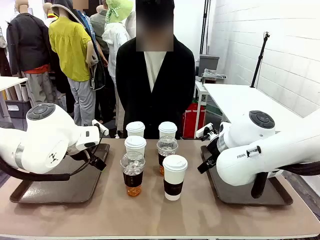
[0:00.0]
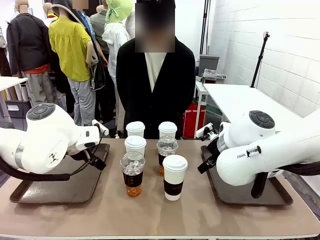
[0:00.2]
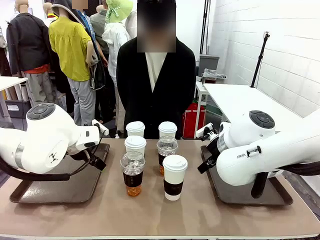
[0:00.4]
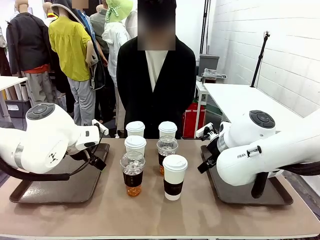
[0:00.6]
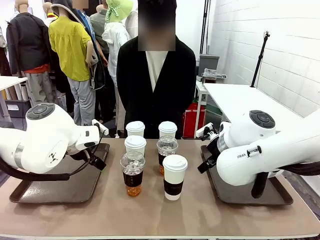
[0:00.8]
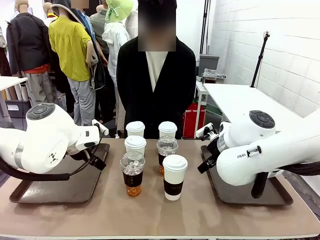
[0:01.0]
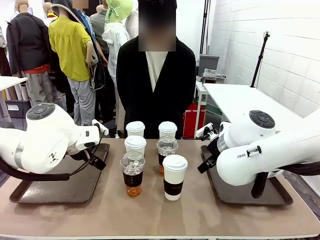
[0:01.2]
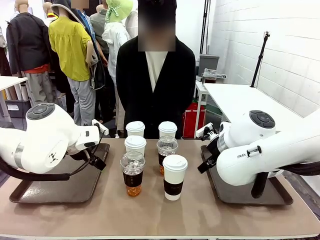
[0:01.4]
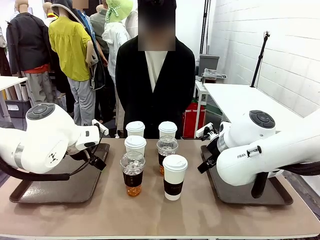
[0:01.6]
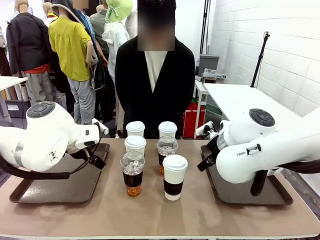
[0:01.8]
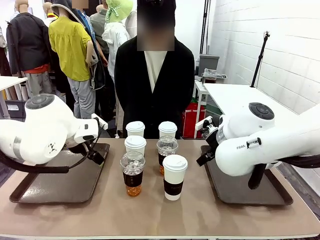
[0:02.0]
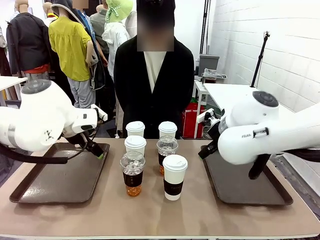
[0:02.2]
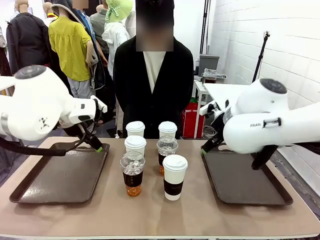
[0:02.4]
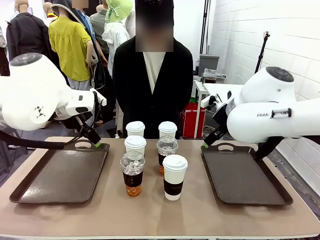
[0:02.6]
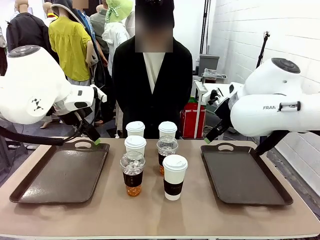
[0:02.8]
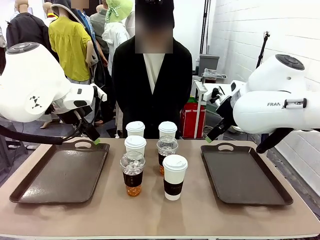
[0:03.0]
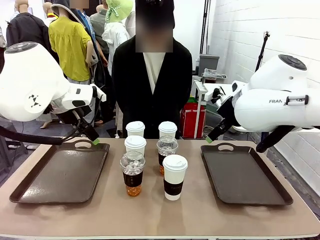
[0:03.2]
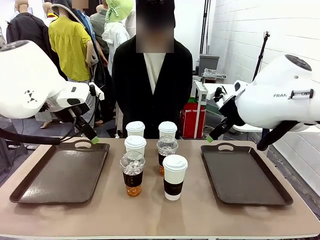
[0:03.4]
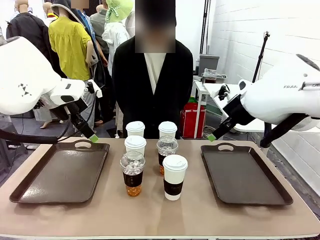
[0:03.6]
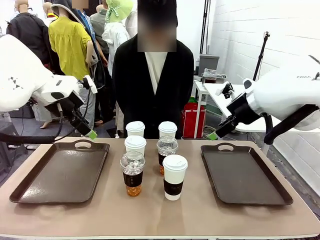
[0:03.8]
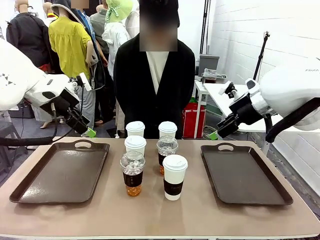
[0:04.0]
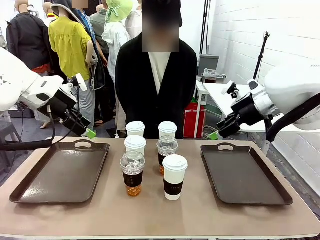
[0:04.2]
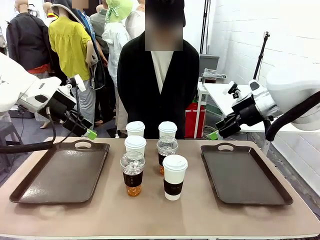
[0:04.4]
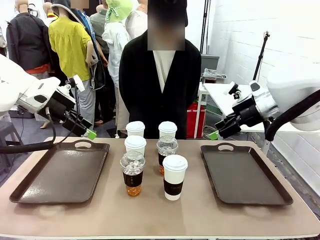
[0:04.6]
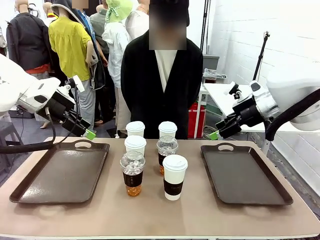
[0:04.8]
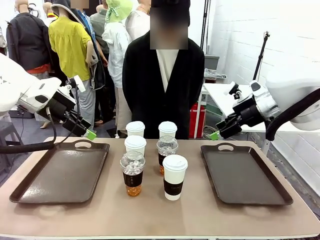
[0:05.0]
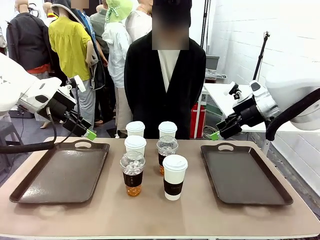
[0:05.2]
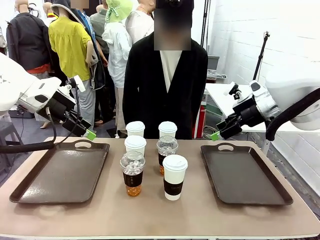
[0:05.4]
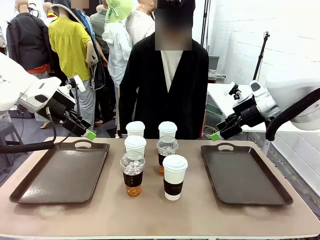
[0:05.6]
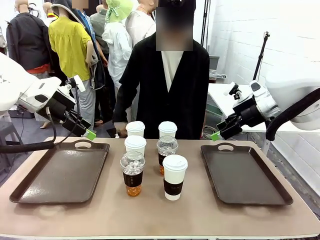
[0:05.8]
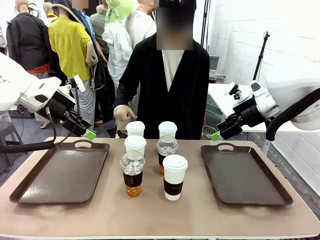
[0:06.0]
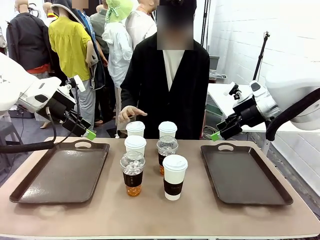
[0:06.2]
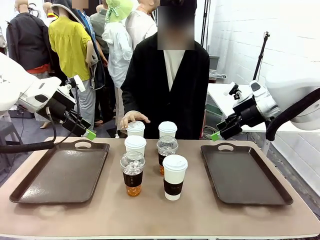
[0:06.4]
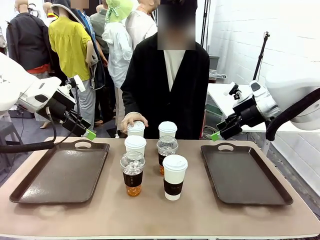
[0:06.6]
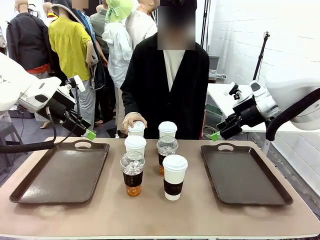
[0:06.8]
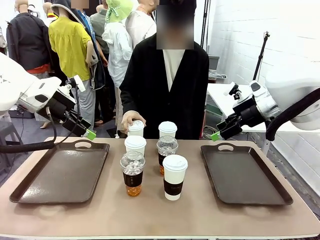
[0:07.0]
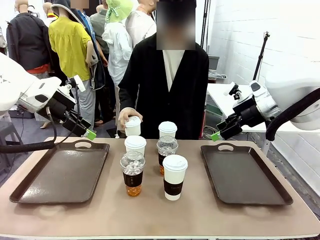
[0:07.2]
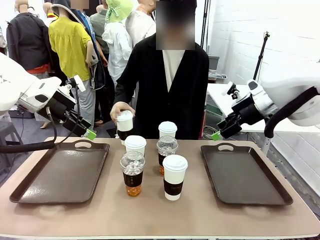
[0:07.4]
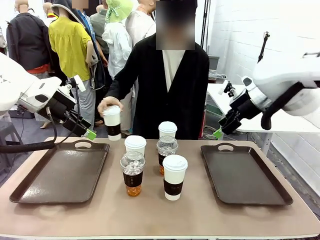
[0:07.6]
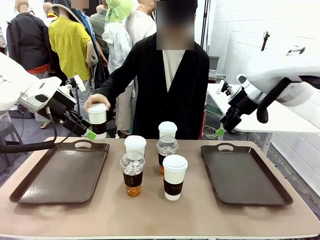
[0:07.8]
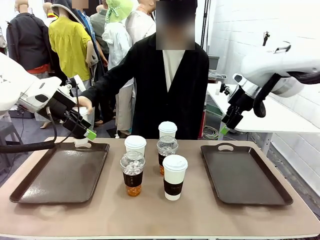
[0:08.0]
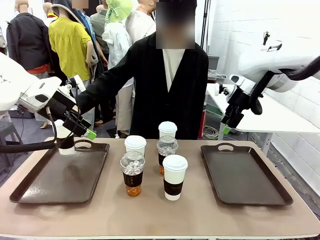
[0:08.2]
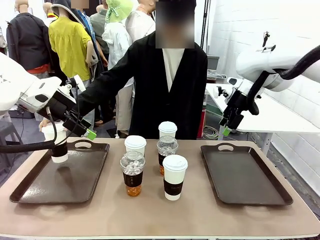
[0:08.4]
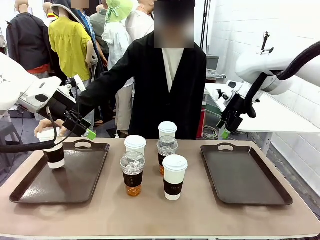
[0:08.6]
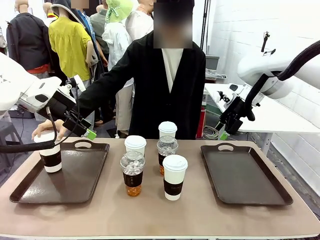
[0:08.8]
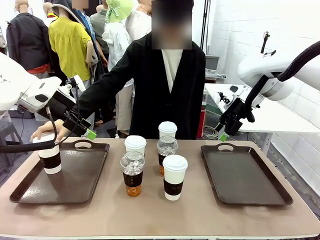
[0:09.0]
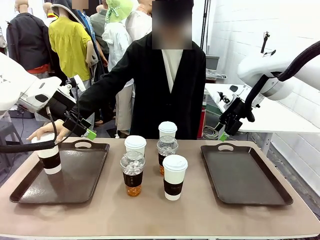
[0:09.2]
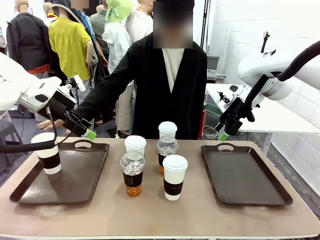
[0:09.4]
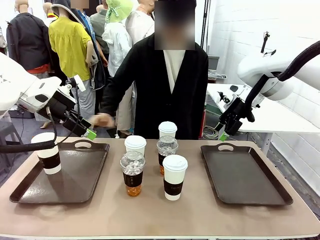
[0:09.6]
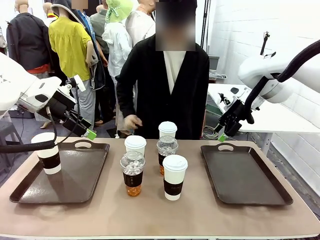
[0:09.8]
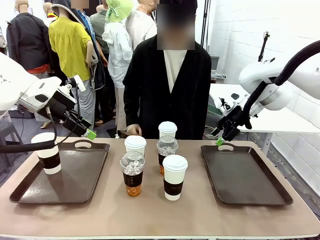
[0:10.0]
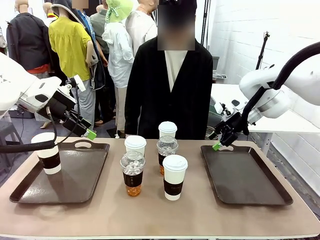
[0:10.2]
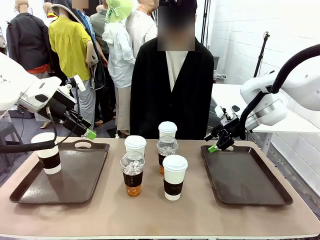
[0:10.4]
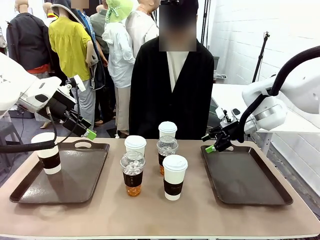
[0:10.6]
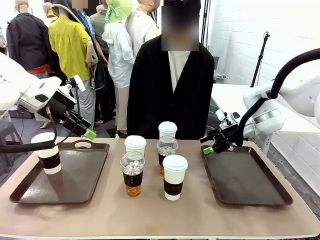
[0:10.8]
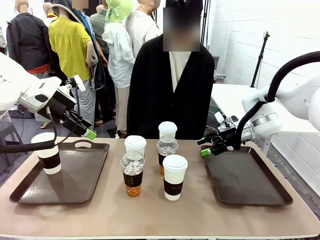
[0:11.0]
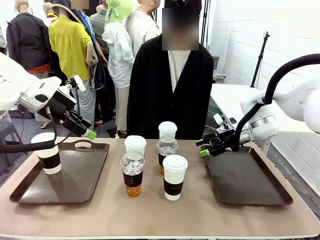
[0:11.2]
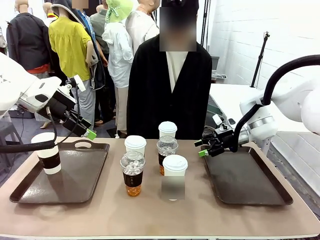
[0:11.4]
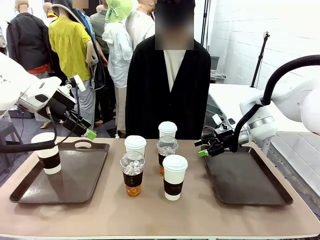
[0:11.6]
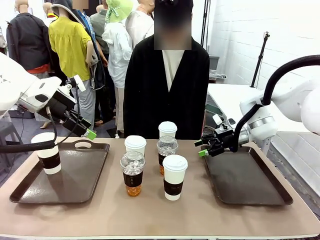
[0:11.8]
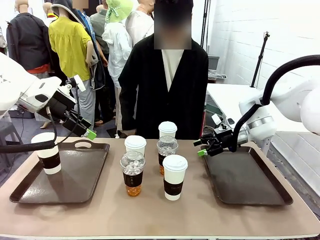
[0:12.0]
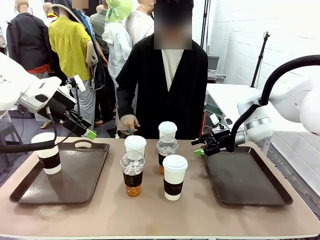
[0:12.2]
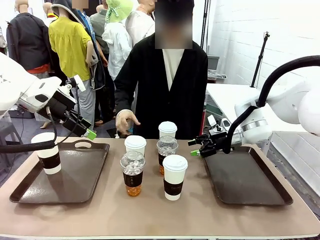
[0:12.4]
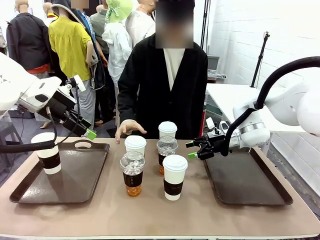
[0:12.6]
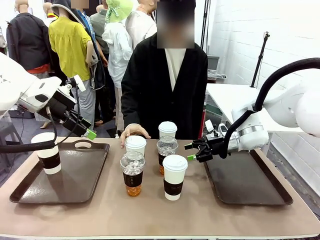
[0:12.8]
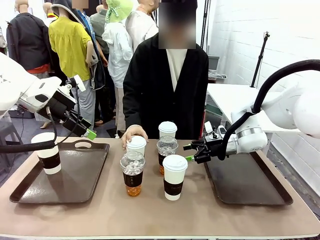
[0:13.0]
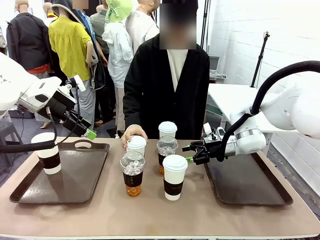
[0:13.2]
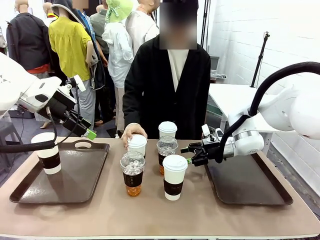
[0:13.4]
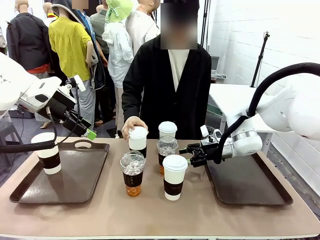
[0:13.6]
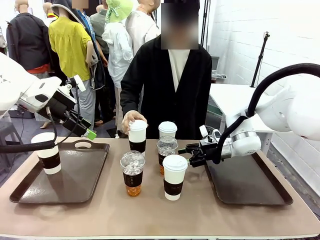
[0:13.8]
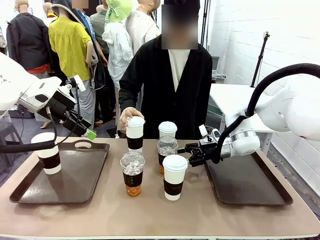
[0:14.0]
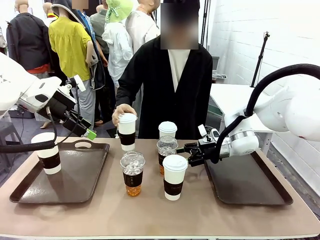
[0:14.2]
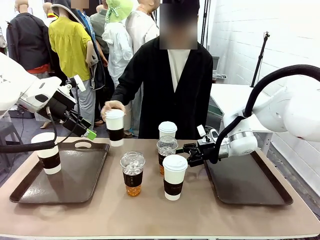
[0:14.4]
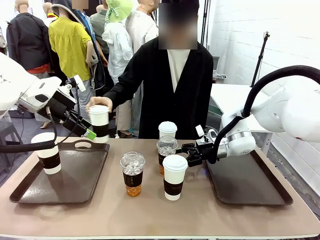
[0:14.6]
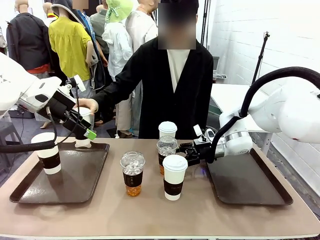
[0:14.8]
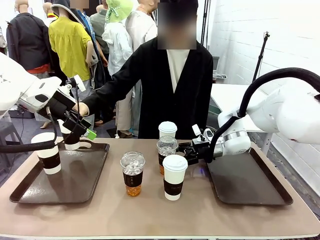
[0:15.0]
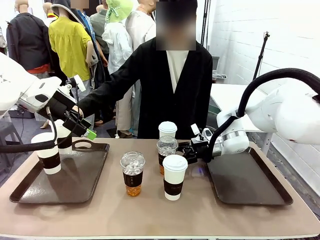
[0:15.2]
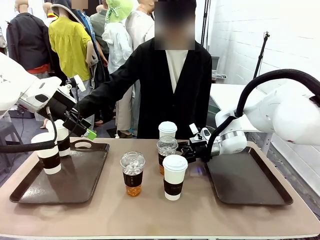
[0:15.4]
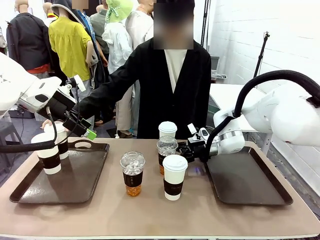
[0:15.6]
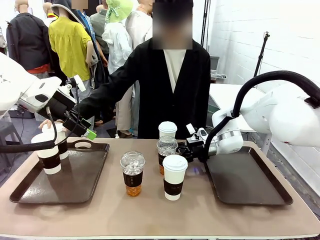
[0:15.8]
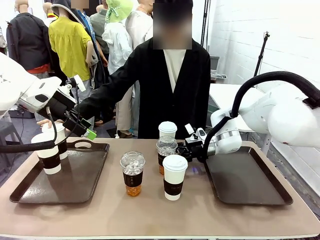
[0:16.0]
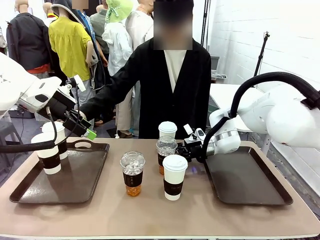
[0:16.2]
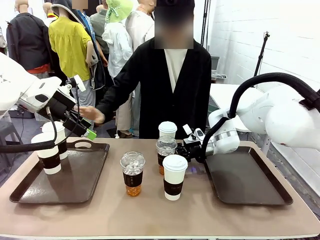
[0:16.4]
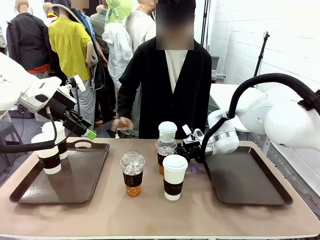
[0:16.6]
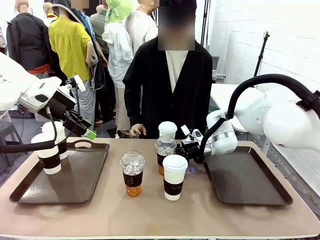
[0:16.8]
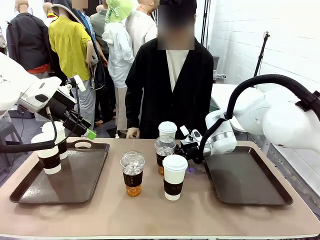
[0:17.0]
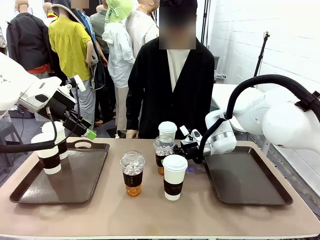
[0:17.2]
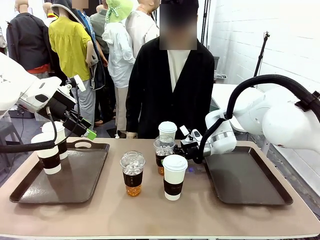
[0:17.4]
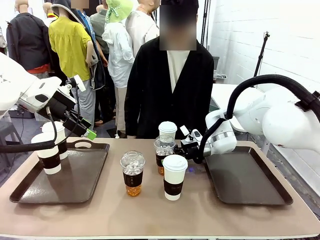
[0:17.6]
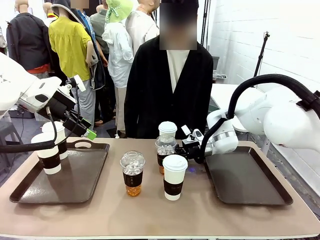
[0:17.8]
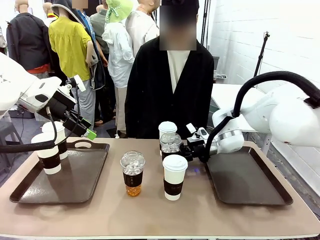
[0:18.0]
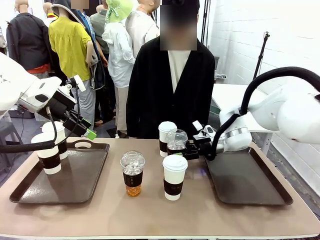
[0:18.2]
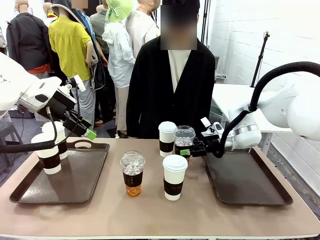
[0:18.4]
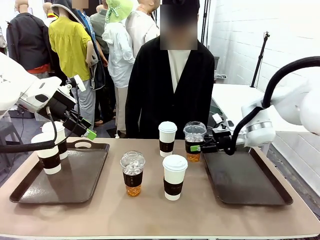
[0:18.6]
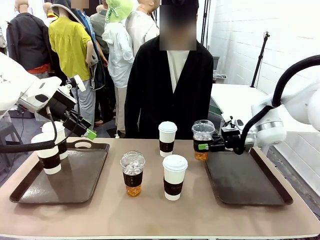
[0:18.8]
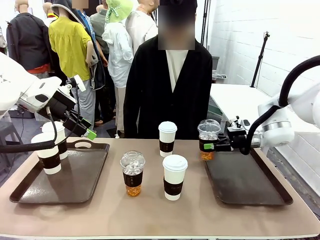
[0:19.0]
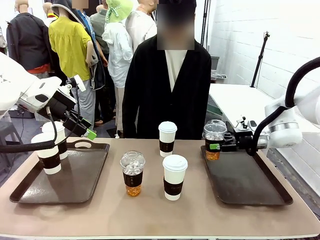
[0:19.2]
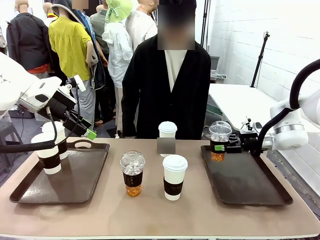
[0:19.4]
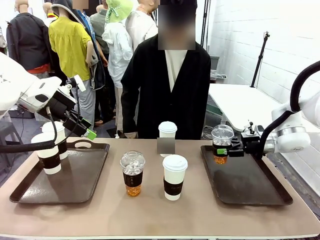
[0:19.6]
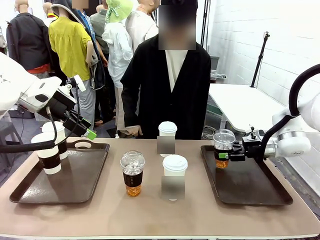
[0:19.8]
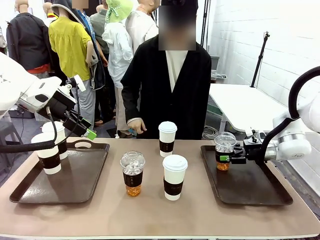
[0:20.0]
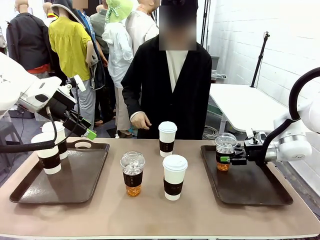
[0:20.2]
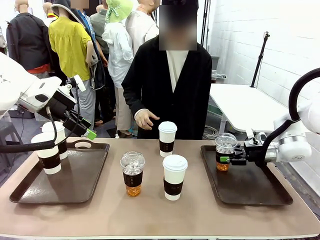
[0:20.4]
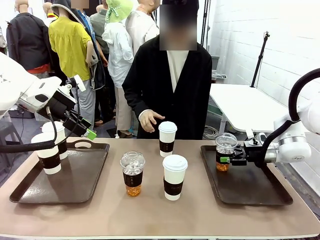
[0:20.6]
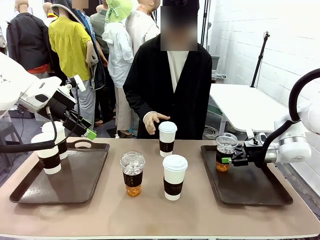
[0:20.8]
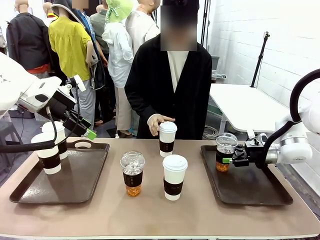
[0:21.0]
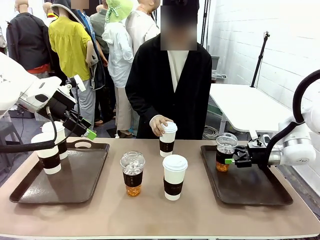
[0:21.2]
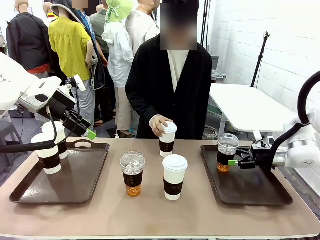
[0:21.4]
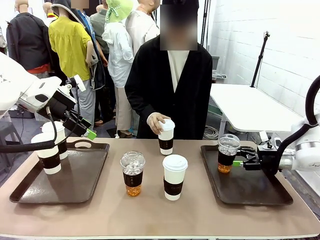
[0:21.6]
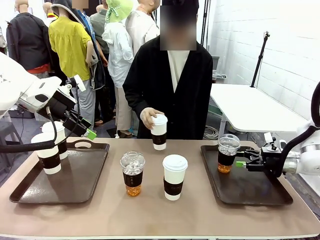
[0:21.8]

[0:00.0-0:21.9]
Task: Distribute the coffee onto the tray.
Robot: Pick up one iced Americano and place it on the right Handle tray.
Person: Pick up a cup of hot Americano and place it on the right tray.
